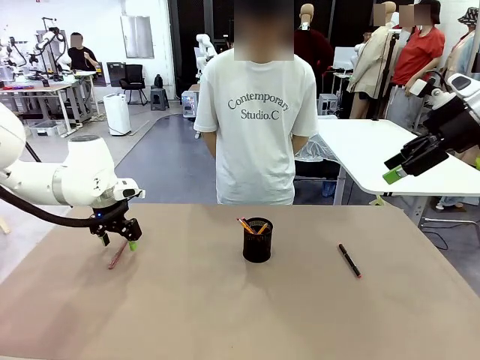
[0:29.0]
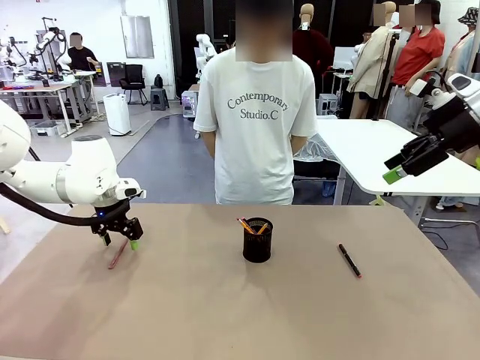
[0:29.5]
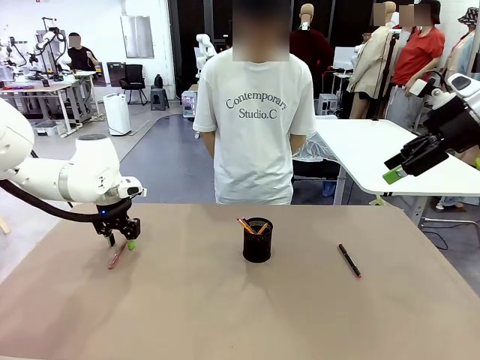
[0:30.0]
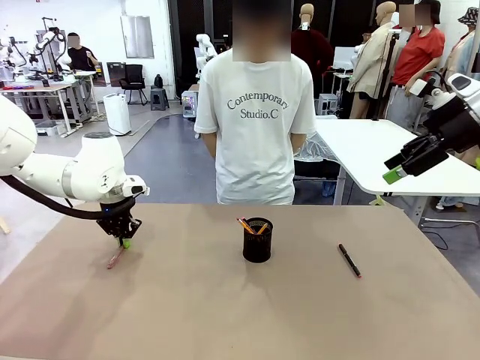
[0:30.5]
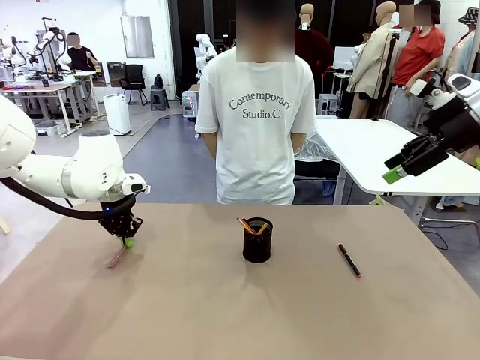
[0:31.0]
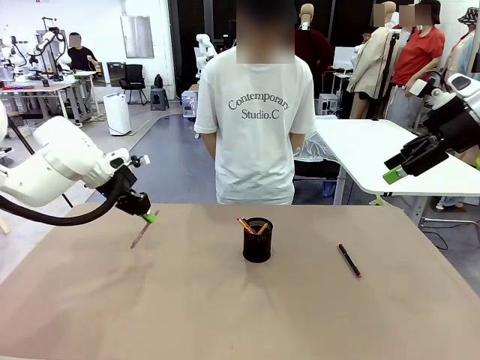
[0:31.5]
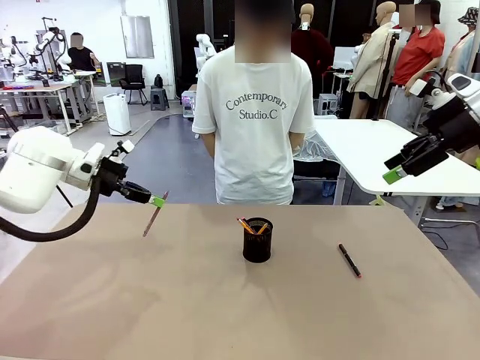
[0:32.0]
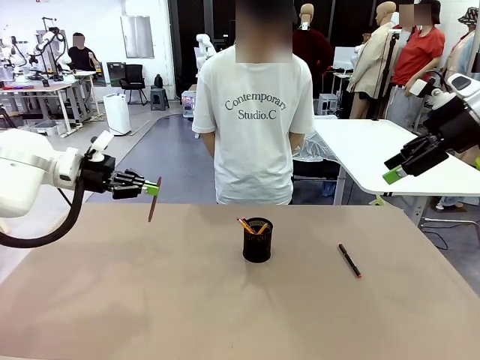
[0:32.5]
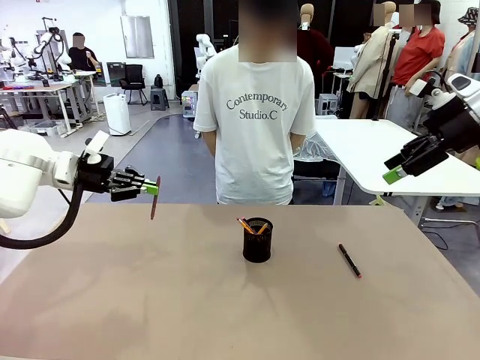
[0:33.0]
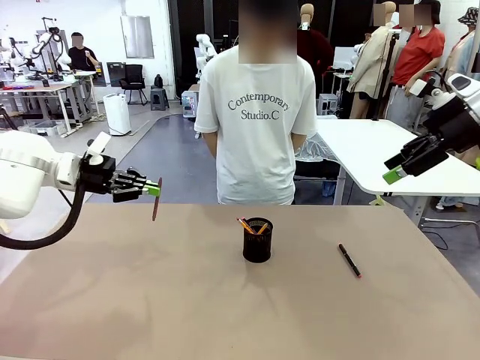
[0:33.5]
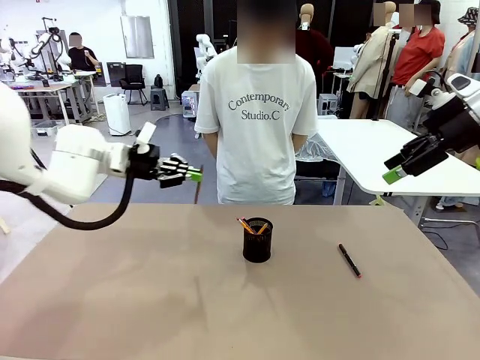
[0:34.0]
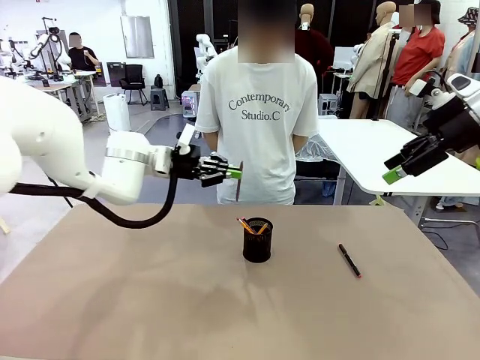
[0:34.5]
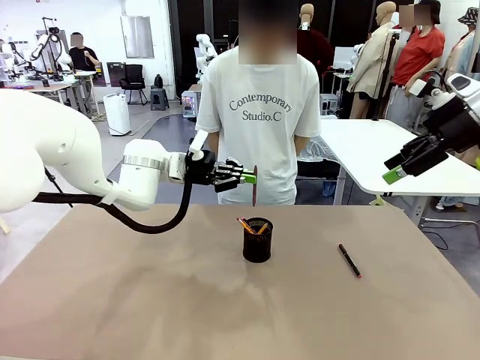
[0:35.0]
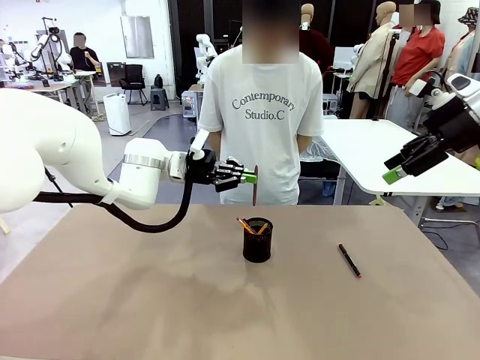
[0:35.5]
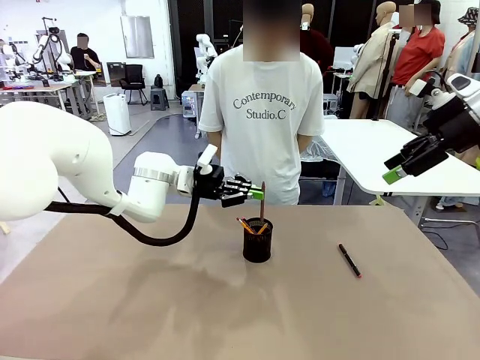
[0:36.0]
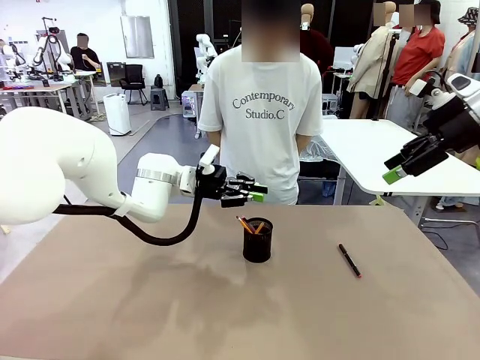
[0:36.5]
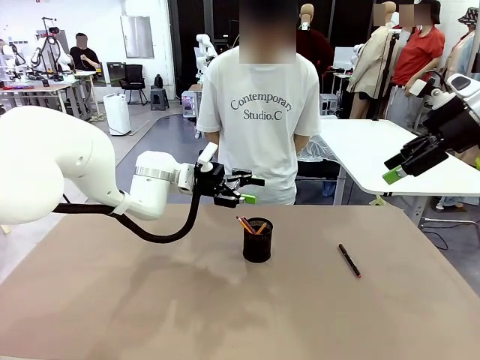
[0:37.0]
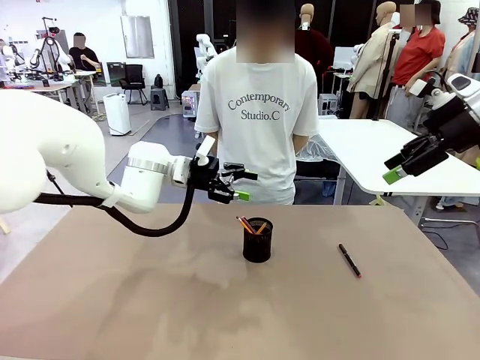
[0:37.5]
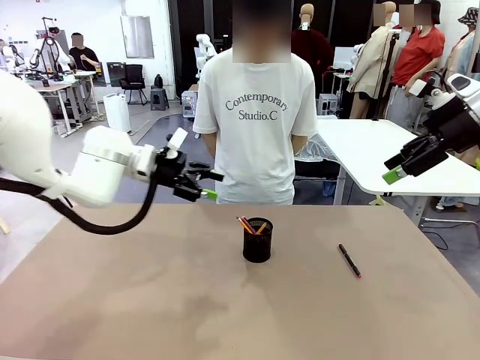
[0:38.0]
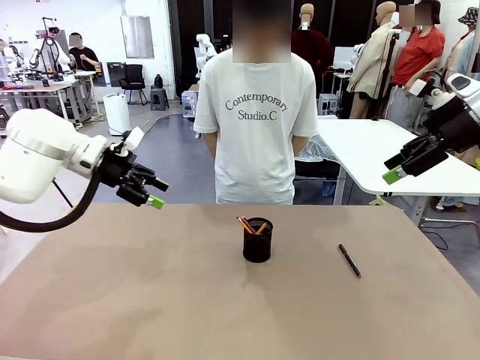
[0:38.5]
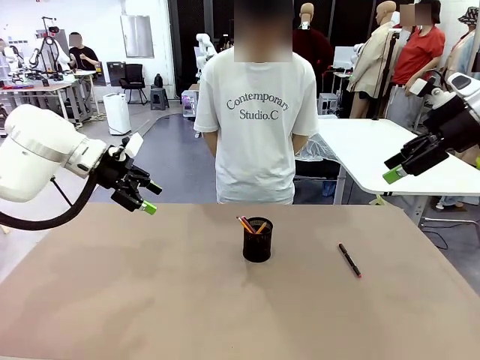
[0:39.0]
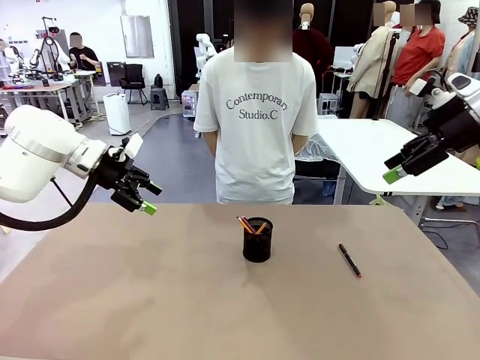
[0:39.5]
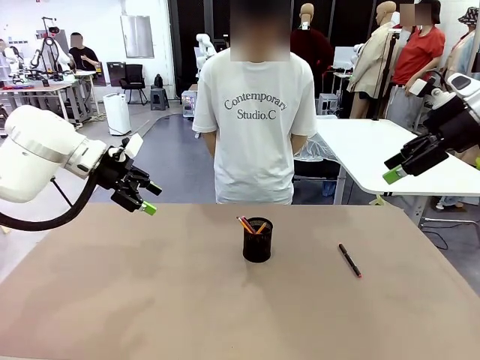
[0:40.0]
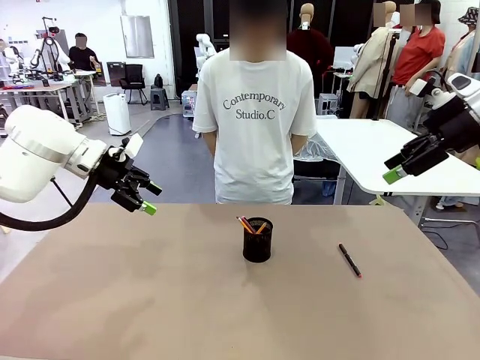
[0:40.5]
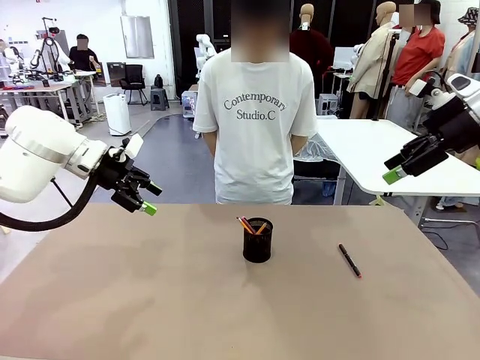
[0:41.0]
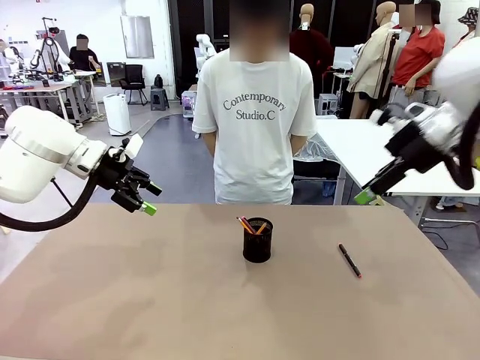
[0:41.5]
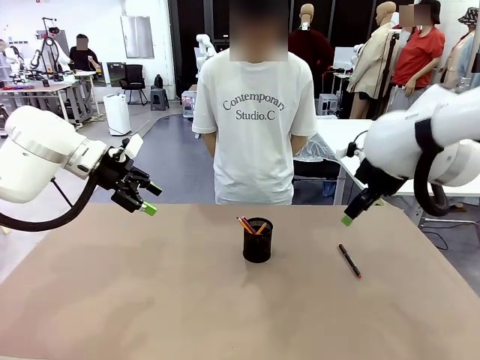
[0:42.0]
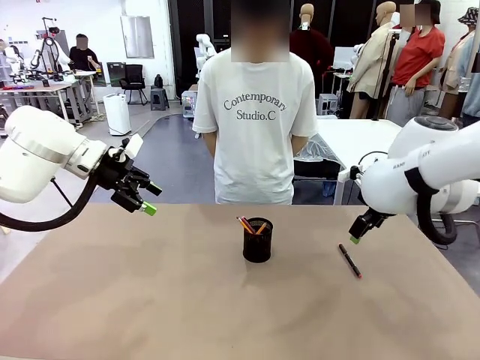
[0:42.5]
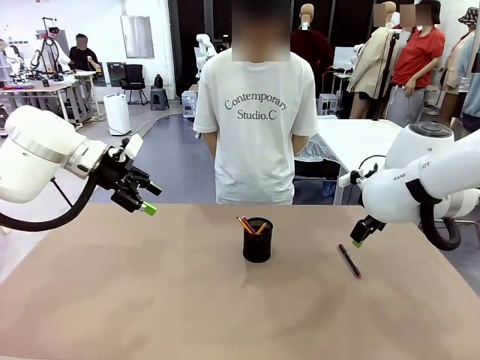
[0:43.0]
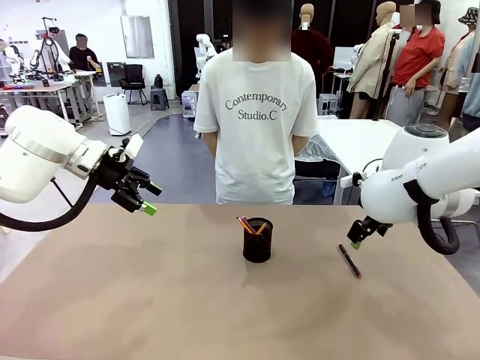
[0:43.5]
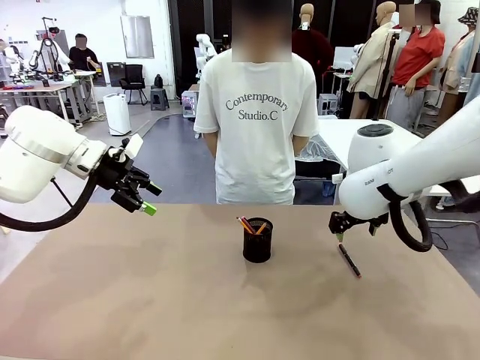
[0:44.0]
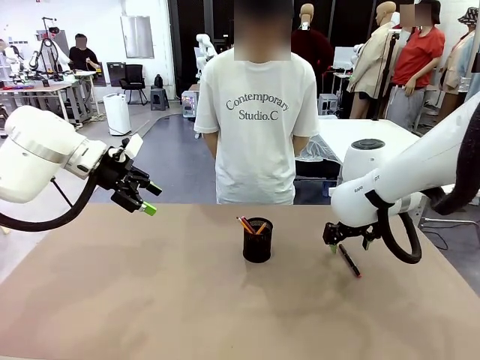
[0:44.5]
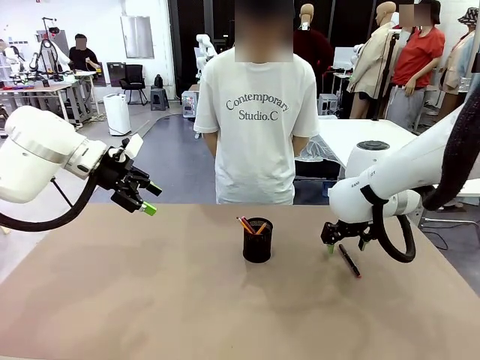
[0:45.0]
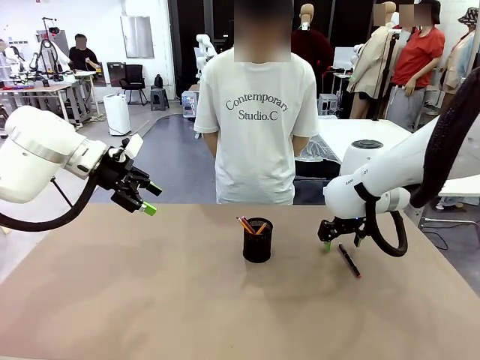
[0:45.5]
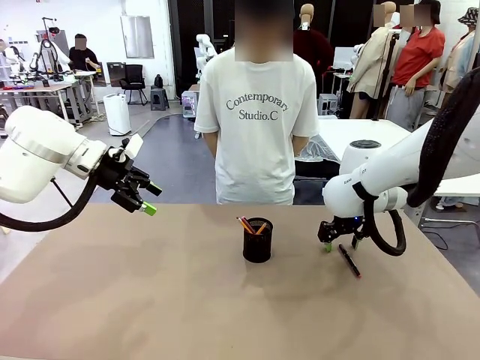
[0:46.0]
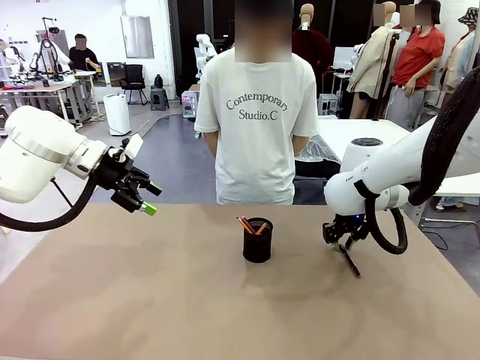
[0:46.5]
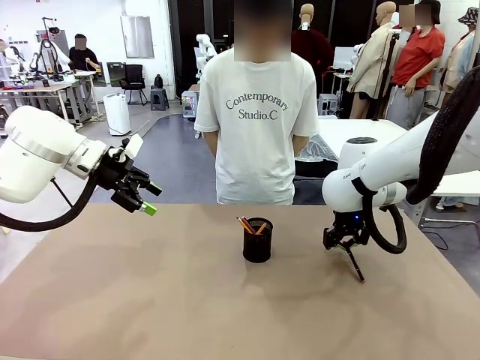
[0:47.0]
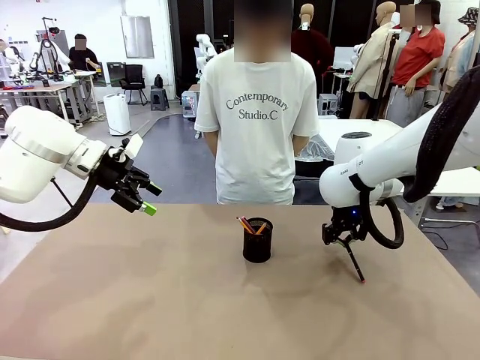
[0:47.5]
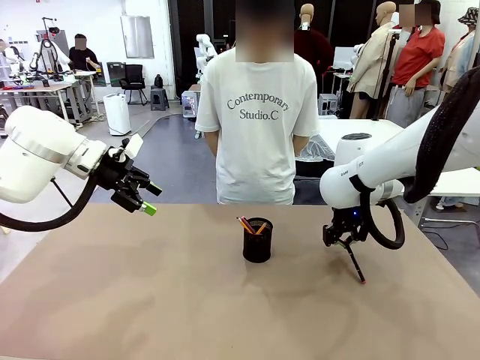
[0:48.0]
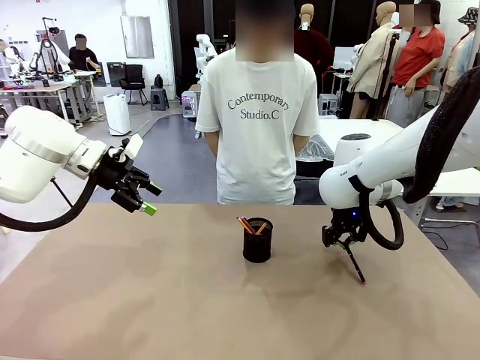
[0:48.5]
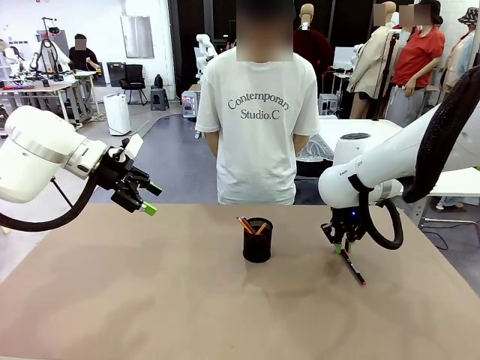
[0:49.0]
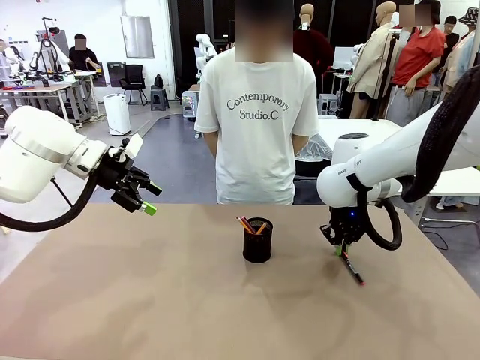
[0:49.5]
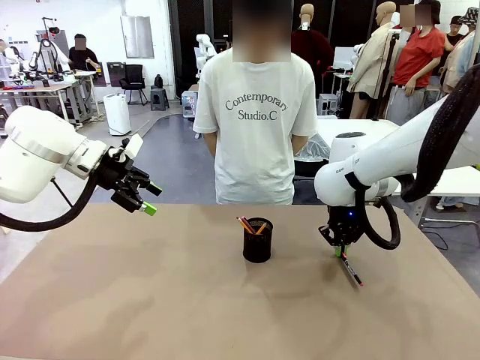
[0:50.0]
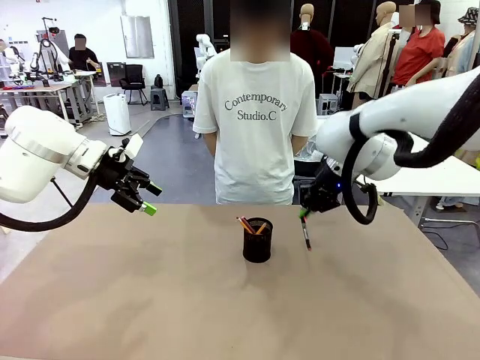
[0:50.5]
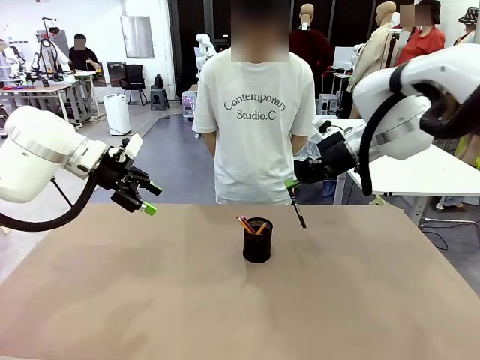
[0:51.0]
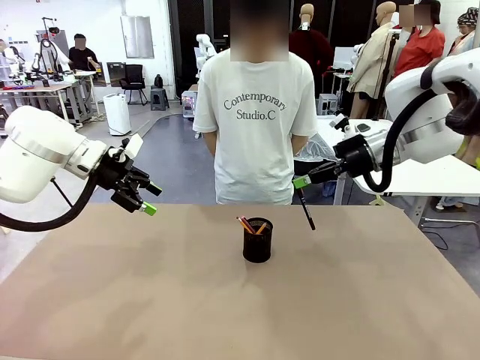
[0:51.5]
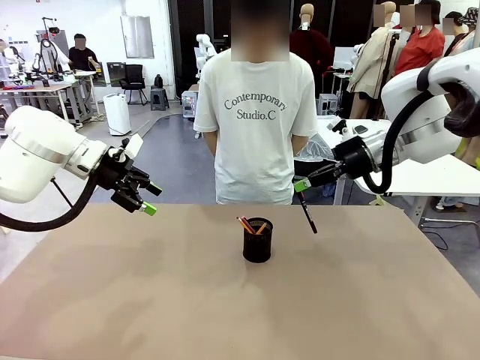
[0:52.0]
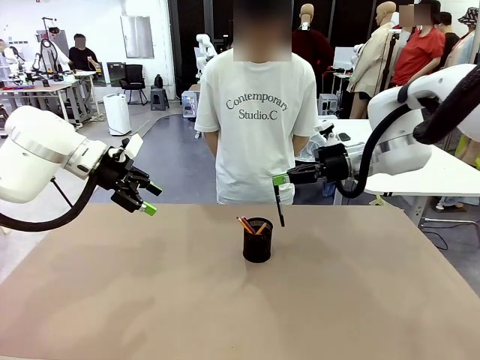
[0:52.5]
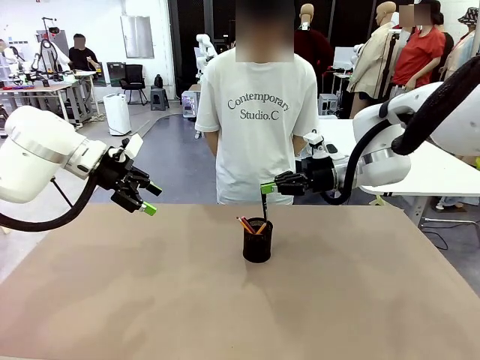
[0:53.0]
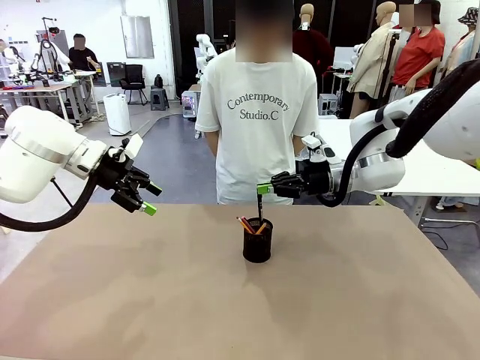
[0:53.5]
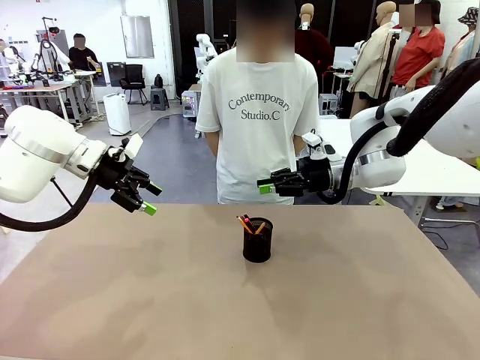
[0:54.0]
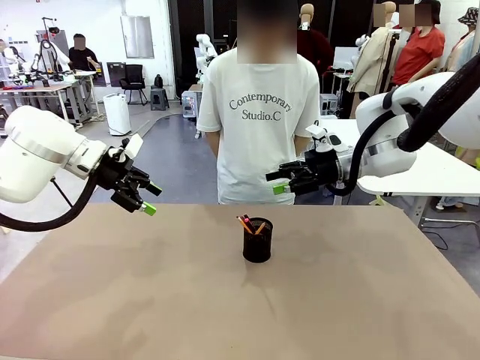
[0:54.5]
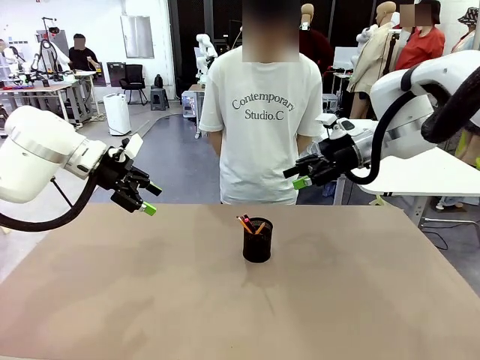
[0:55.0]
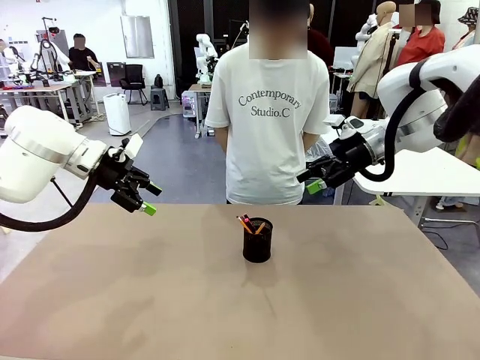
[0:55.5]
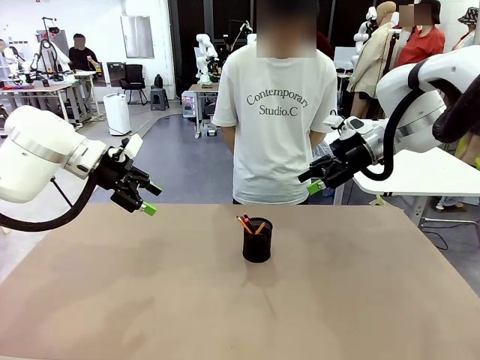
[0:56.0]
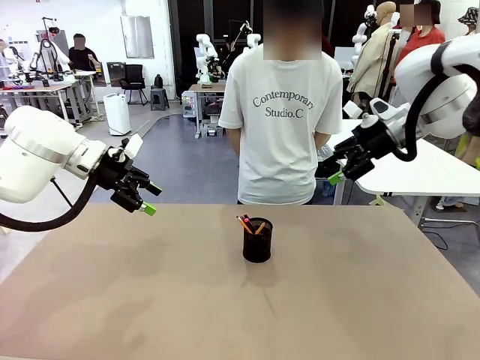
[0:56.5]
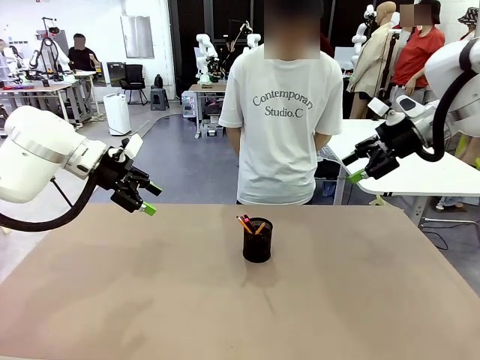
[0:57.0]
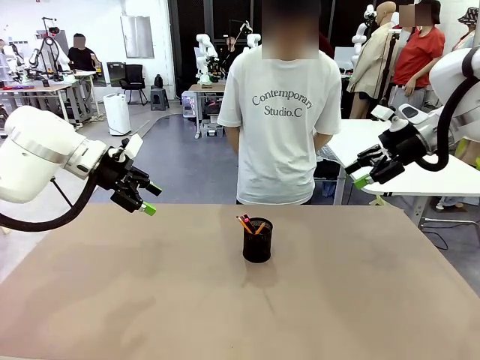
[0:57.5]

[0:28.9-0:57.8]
Task: Place the pens into the pen holder.
Robot: Pick up a writing instrument from the table and place it into the Pen holder.
Person: Place all writing instrument into the Pen holder.
